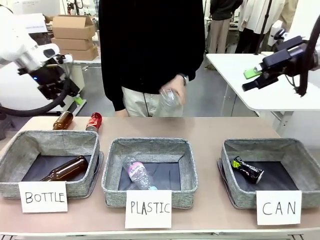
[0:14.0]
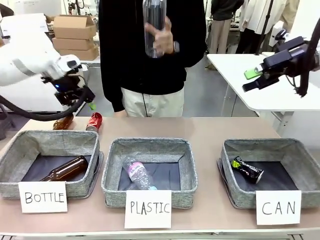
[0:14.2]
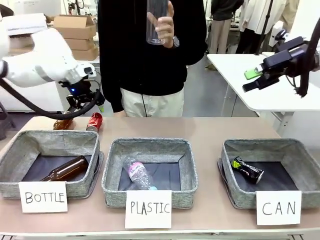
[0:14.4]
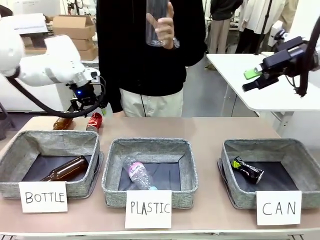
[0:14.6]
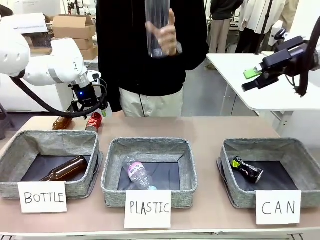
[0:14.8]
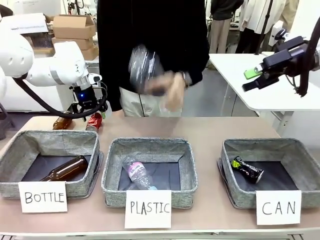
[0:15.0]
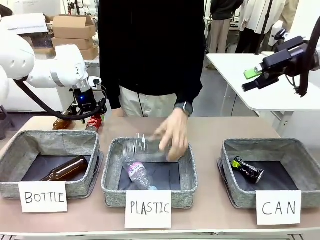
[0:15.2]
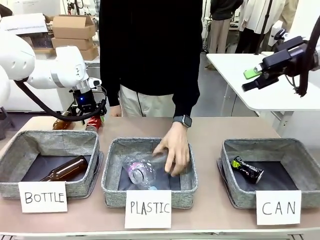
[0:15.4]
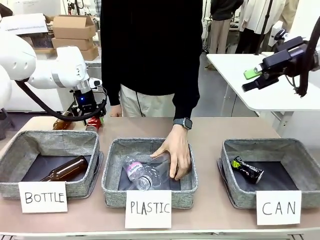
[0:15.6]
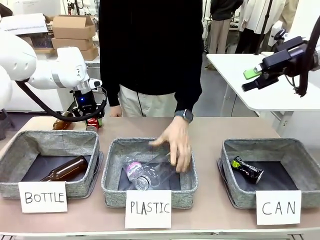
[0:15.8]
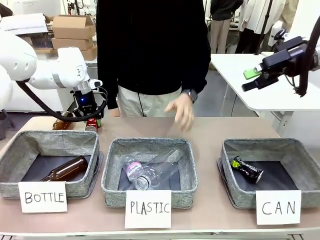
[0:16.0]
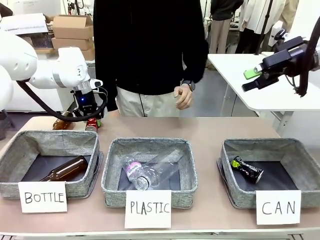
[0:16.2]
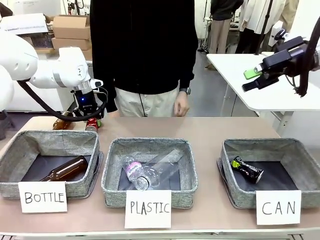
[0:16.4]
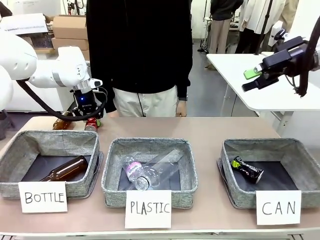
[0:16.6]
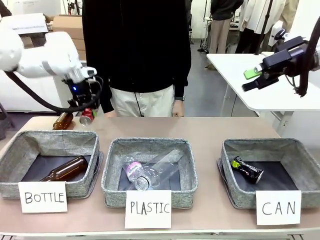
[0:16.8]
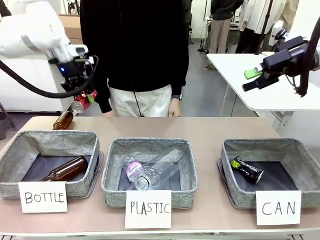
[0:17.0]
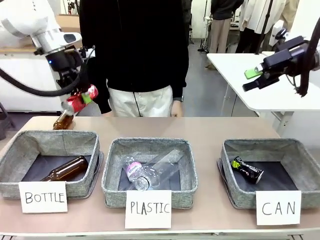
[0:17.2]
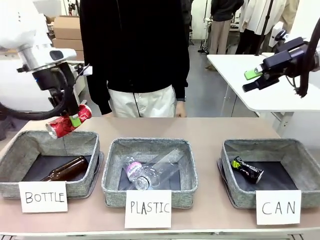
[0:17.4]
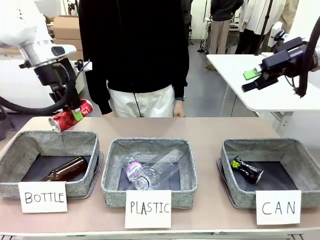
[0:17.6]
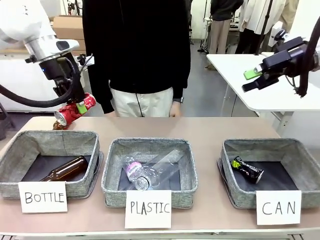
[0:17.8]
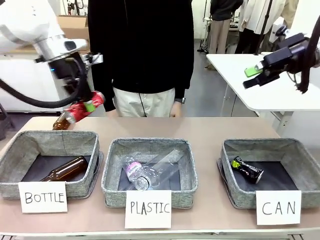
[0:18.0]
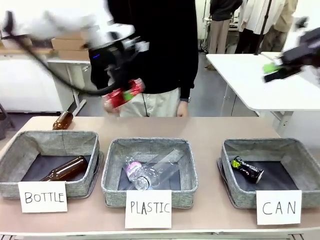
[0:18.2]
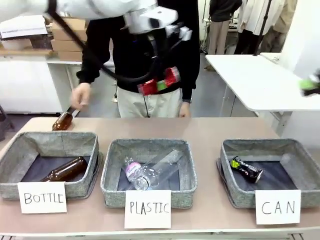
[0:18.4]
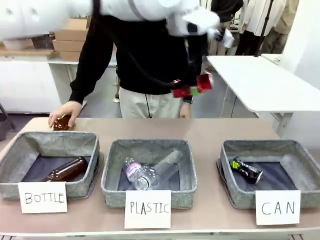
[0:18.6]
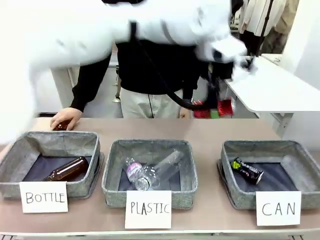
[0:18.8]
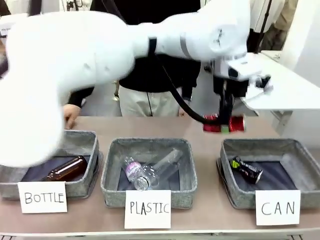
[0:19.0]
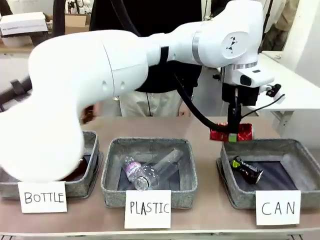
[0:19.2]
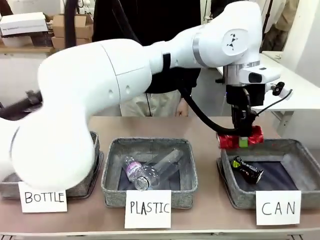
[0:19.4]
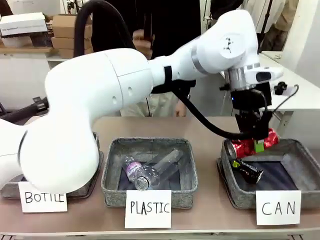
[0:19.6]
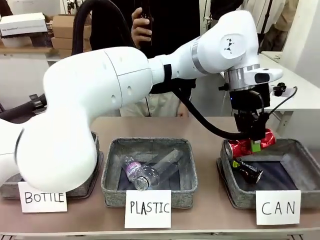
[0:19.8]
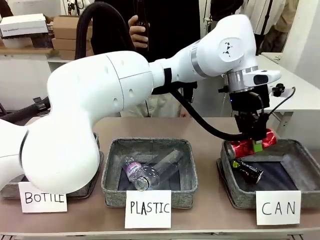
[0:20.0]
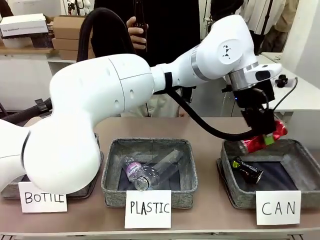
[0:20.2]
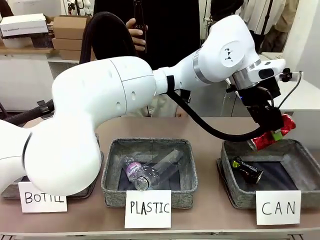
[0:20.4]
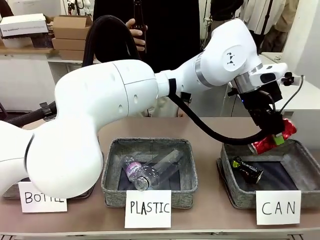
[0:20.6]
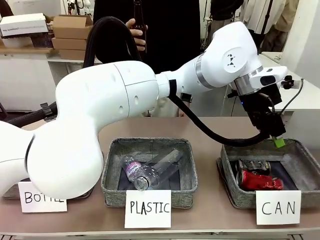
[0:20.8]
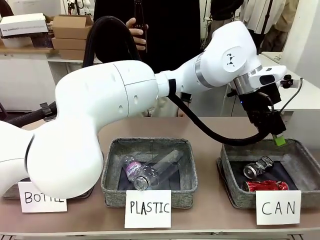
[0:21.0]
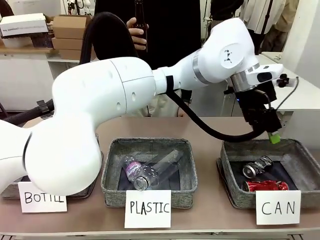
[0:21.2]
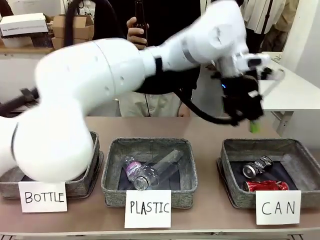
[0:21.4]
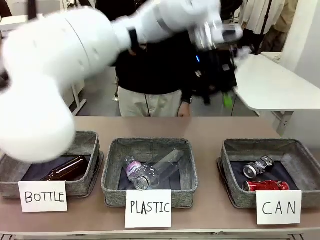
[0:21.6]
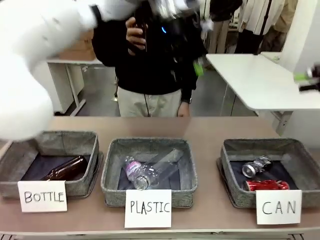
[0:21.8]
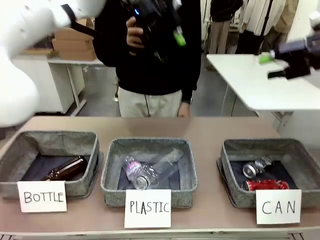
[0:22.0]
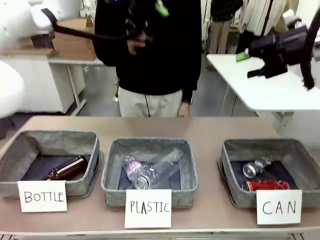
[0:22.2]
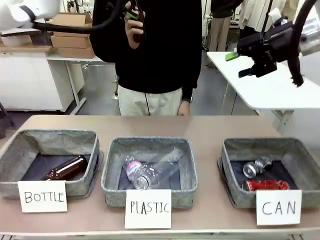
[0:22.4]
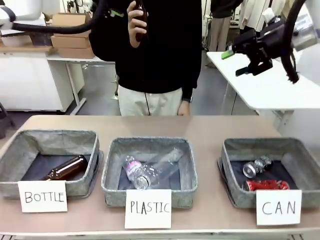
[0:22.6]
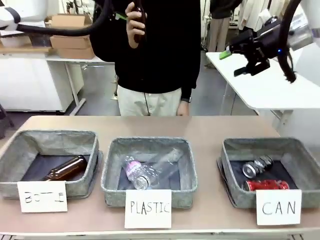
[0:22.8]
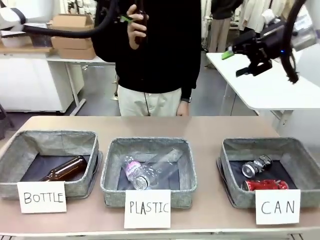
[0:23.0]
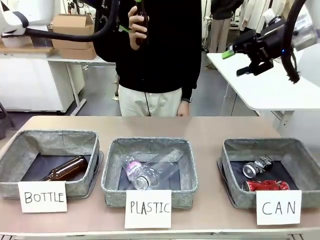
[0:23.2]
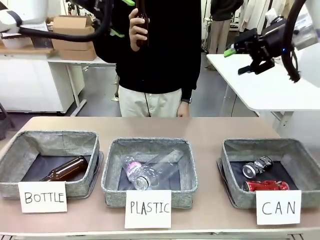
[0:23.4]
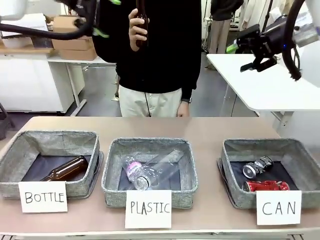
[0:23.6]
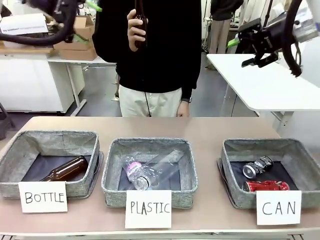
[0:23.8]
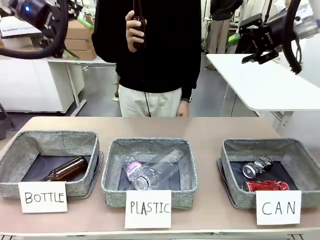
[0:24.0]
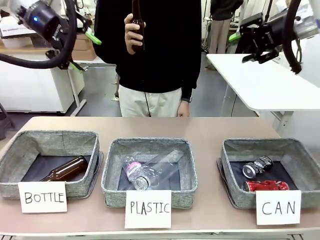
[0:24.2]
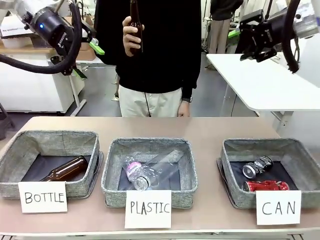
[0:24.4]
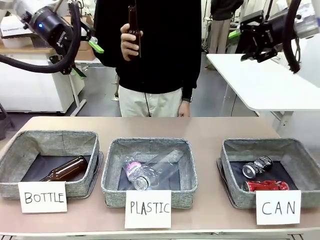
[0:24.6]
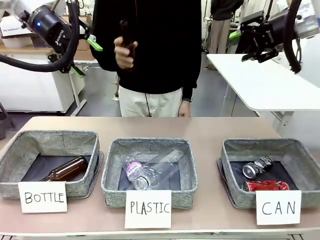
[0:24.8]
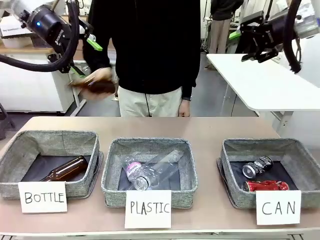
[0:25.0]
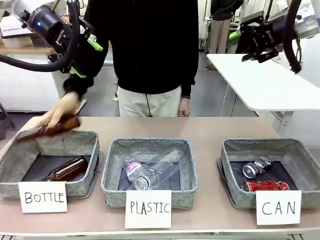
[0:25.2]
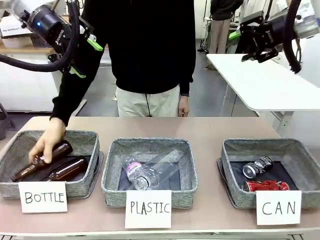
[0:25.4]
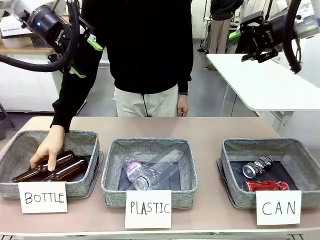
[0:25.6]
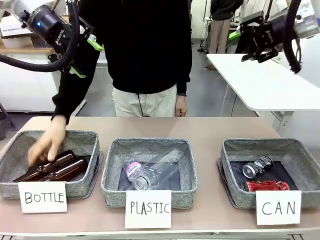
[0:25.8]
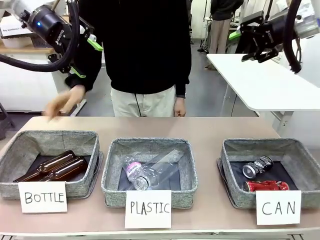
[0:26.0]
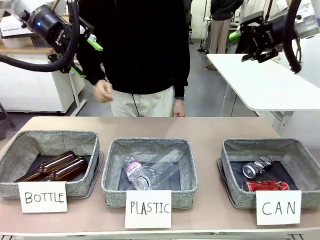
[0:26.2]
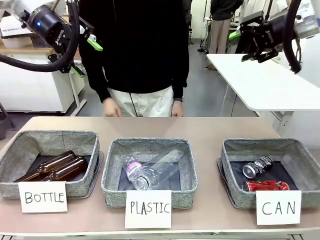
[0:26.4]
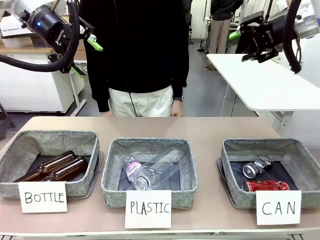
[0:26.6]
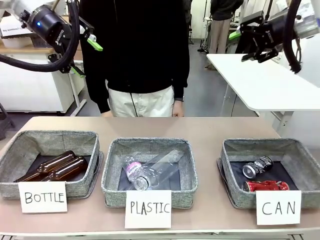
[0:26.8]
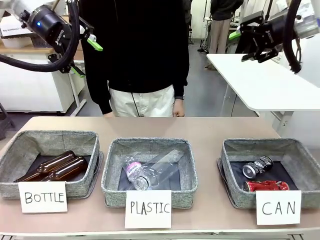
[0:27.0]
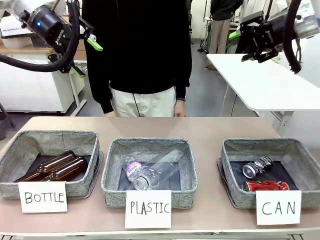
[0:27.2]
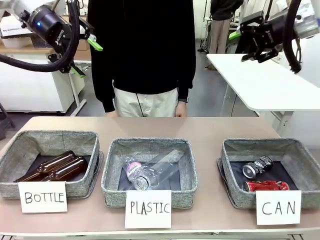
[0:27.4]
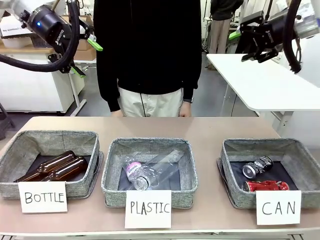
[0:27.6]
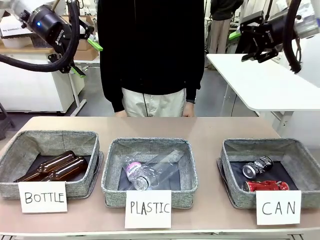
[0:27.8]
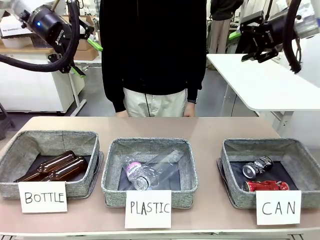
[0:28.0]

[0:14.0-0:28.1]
Task: Sort the can waste into the basket.
Robot: Pick up the can waste from the table and place it in the right Fabric basket.
Person: The human picks up one piece of trash that is not a can and places the trash into the appropriate organizing basket.

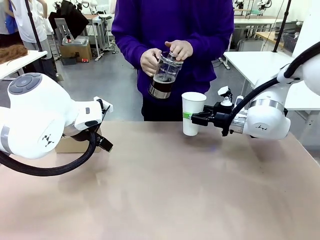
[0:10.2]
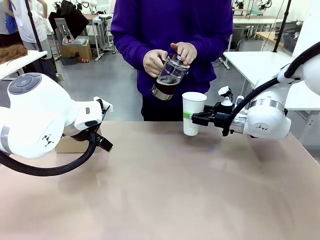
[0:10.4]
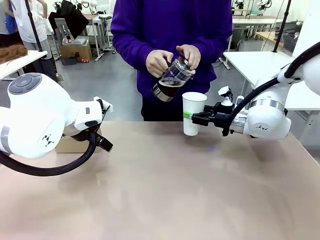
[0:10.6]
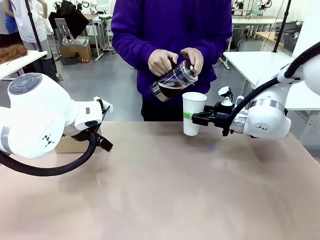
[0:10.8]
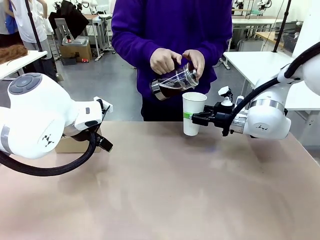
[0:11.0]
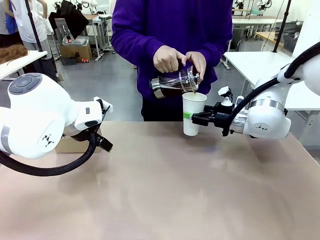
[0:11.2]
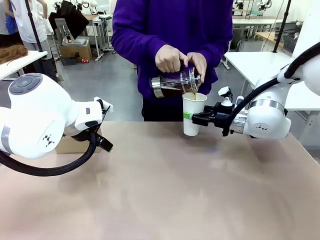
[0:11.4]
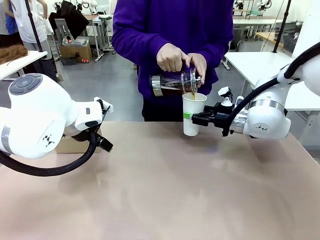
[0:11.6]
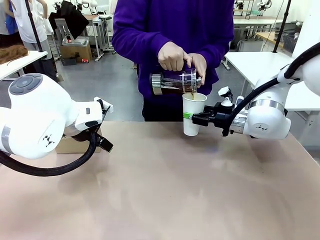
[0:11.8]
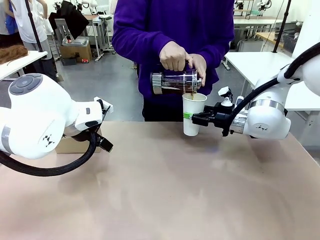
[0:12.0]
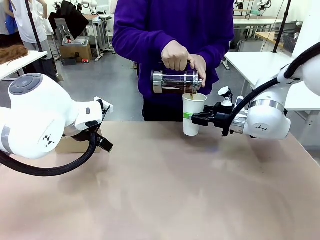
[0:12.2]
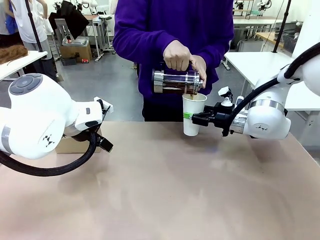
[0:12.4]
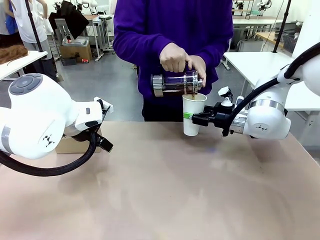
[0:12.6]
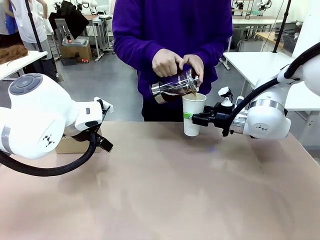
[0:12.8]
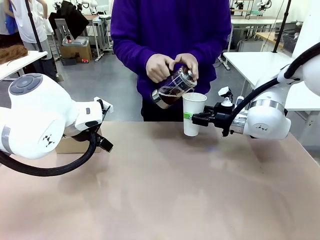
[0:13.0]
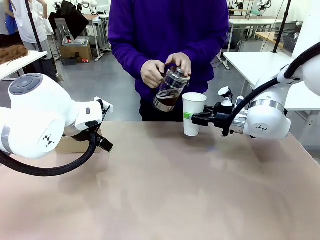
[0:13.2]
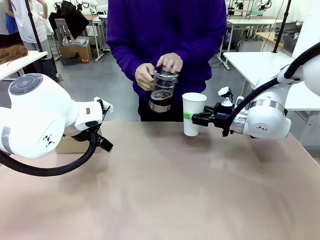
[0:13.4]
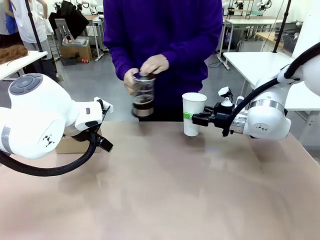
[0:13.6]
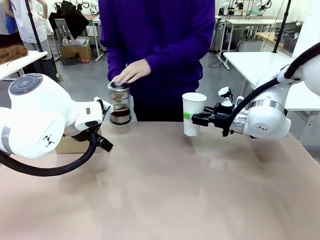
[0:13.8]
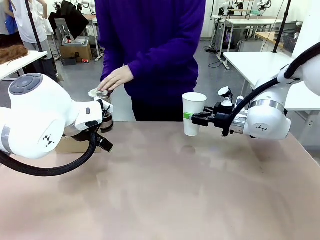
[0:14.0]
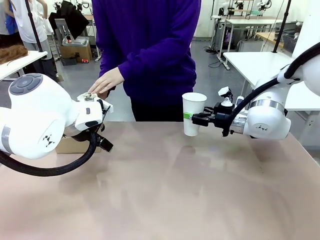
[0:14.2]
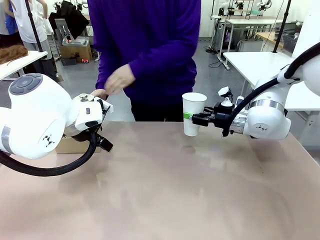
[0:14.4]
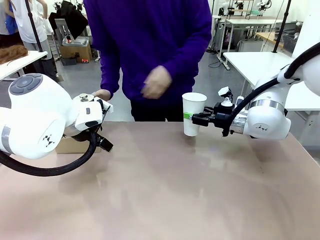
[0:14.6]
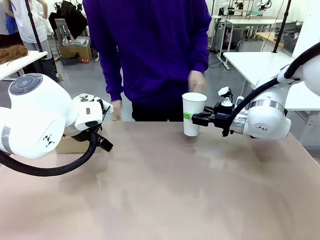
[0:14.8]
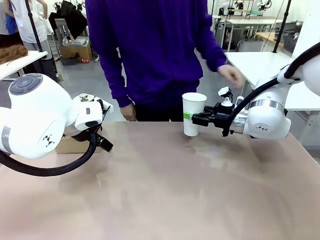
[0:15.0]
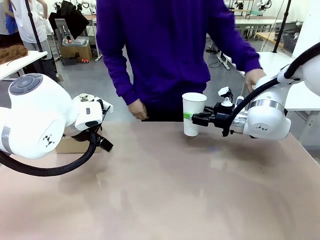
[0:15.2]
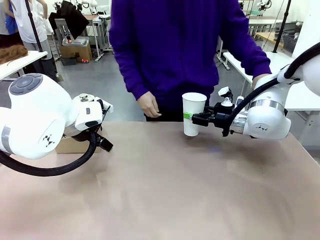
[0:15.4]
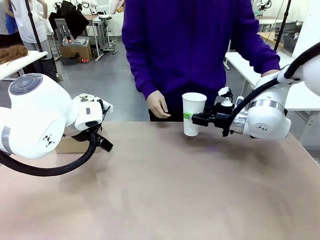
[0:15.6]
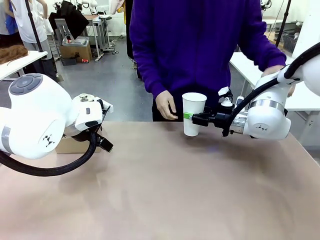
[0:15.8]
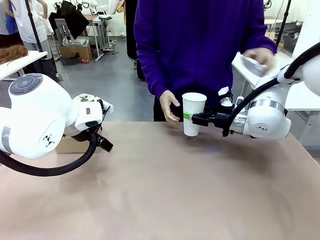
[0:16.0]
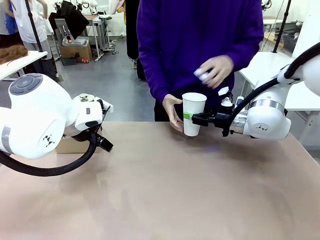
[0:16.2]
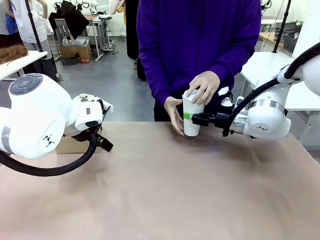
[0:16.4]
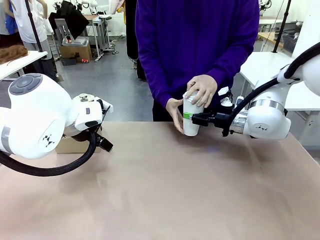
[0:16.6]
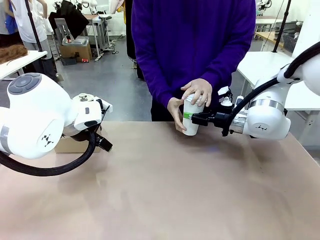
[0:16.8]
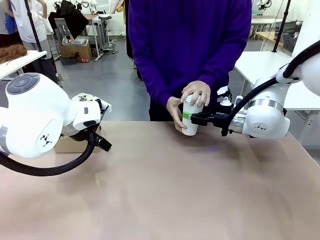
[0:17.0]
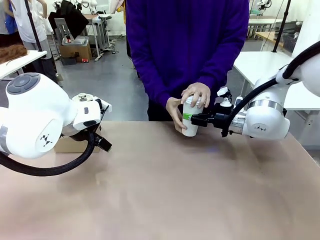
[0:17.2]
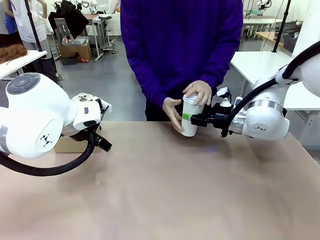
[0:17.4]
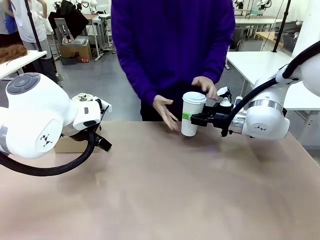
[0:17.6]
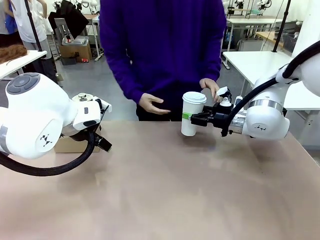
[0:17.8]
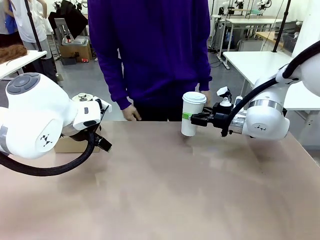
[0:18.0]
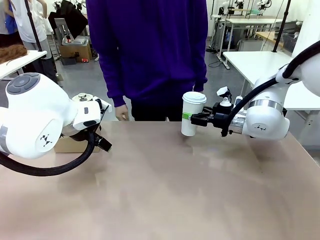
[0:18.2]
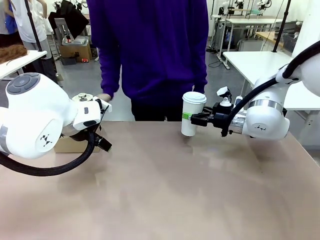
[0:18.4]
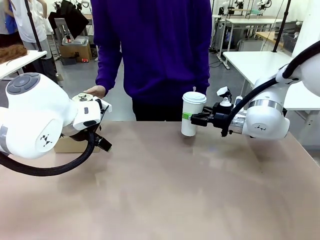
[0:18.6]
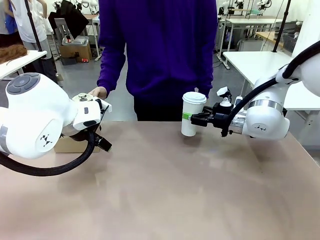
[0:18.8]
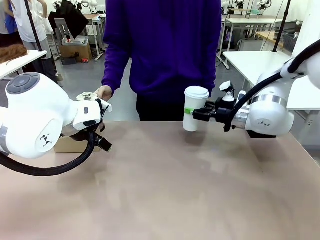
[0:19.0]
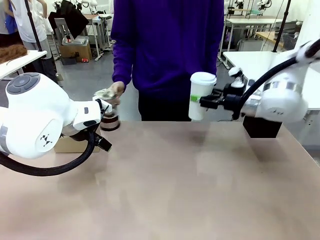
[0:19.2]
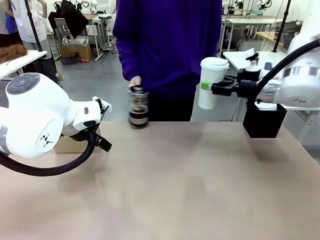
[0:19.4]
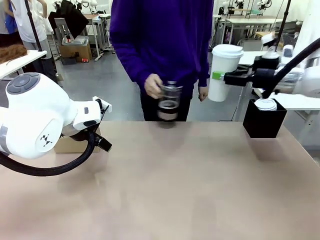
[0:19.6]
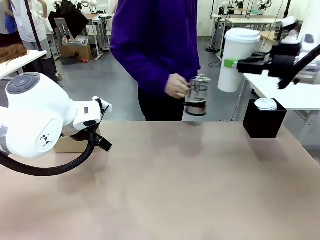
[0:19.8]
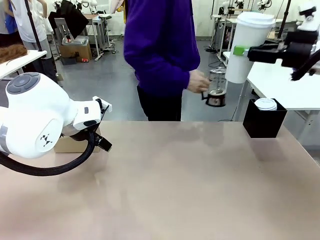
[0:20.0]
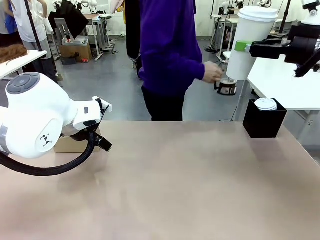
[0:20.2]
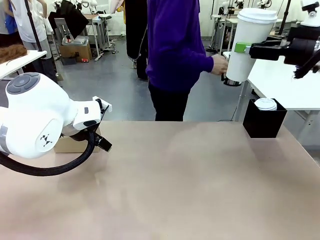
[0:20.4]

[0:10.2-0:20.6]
Task: Pour a drink into a cup and package it in a carrier.
Robot: When a person places the Paper Cup Lid on the 600 ml Paper Cup , lift the 600 ml Paper Cup.
Person: Pour the drink from the Filter Brewing into the 600 ml Paper Cup. Place a Paper Cup Lid on the 600 ml Paper Cup.
